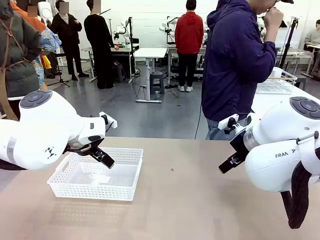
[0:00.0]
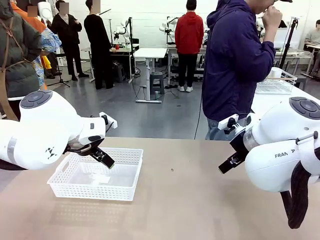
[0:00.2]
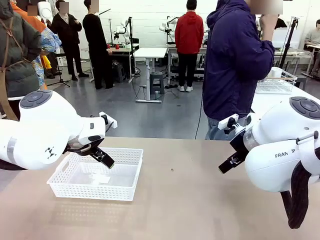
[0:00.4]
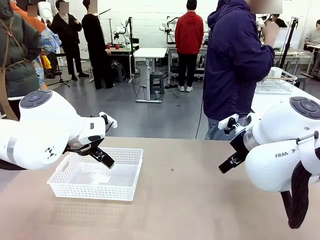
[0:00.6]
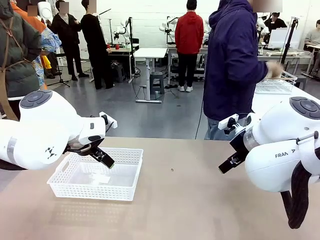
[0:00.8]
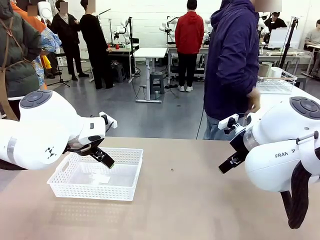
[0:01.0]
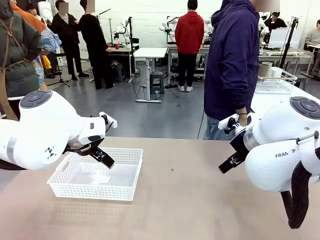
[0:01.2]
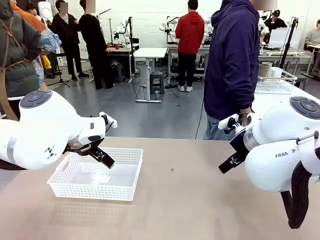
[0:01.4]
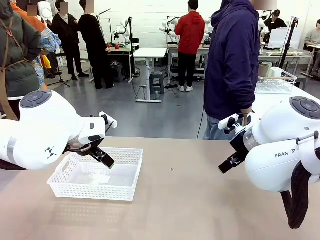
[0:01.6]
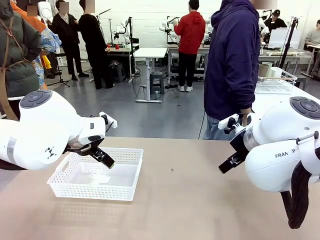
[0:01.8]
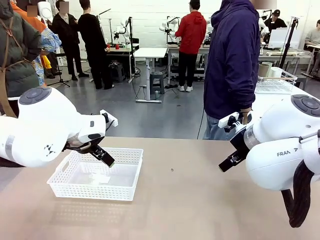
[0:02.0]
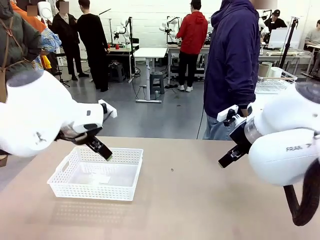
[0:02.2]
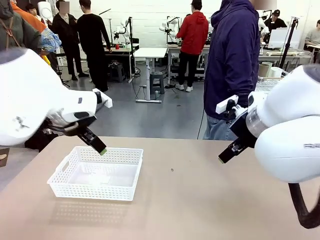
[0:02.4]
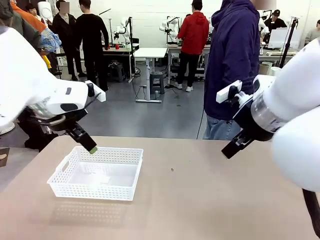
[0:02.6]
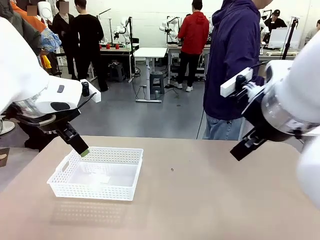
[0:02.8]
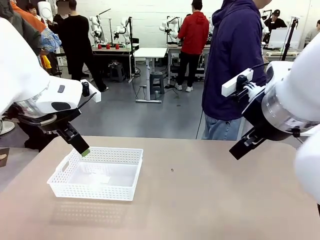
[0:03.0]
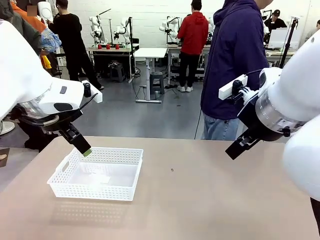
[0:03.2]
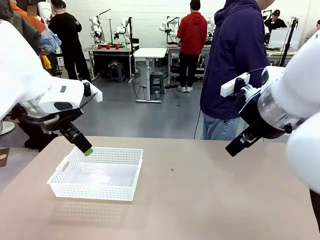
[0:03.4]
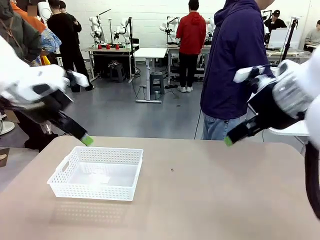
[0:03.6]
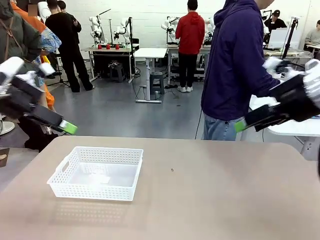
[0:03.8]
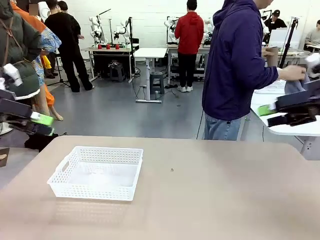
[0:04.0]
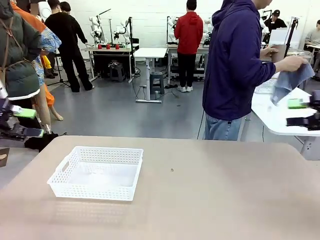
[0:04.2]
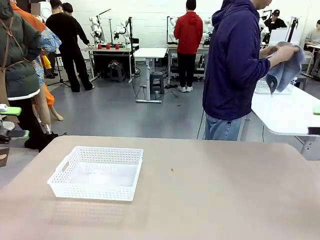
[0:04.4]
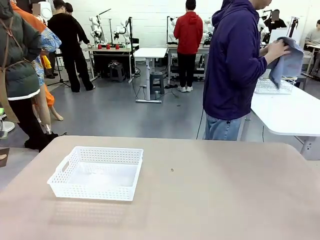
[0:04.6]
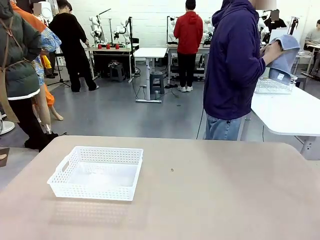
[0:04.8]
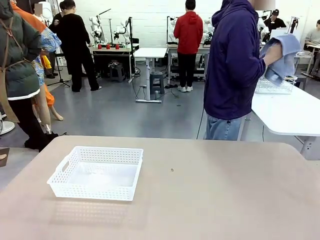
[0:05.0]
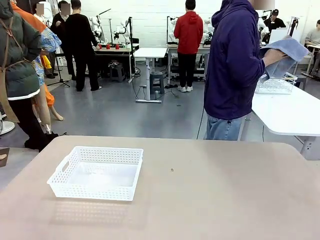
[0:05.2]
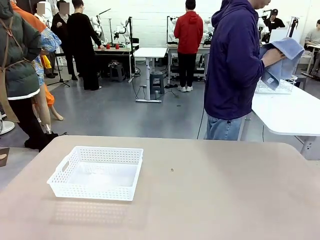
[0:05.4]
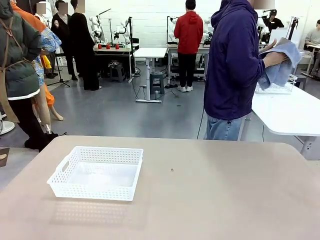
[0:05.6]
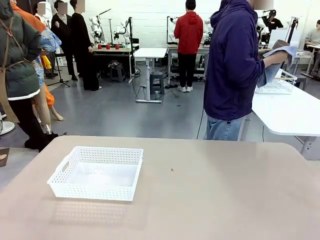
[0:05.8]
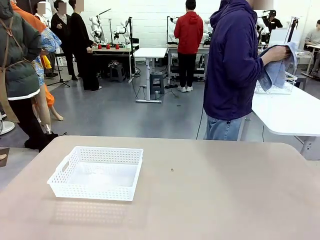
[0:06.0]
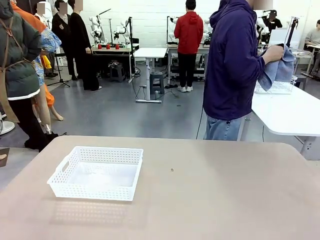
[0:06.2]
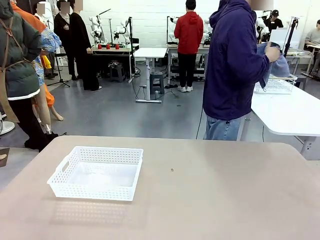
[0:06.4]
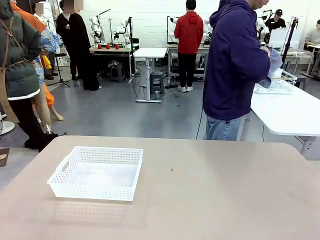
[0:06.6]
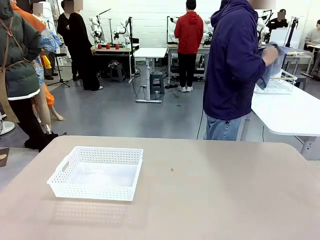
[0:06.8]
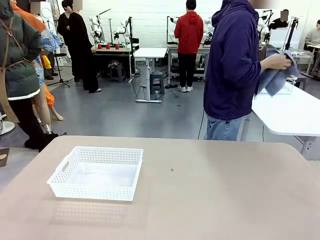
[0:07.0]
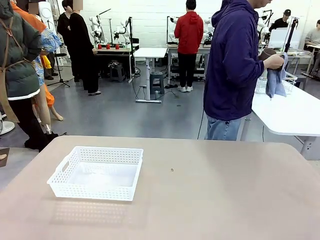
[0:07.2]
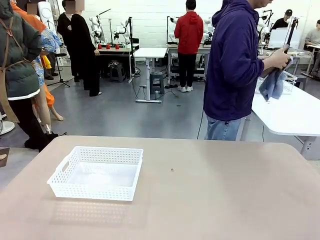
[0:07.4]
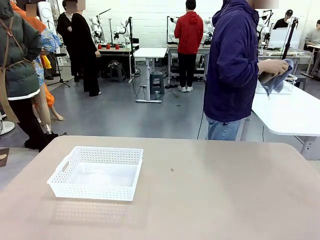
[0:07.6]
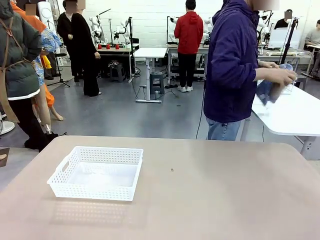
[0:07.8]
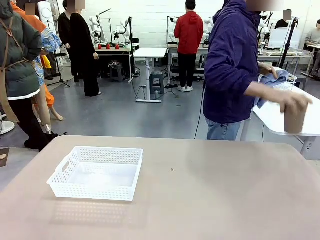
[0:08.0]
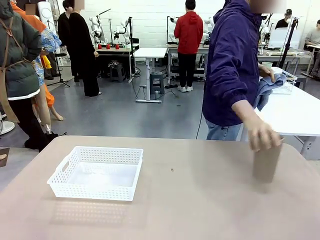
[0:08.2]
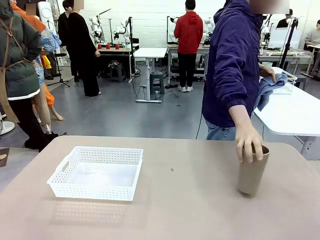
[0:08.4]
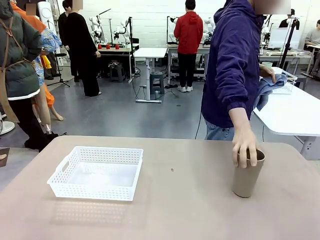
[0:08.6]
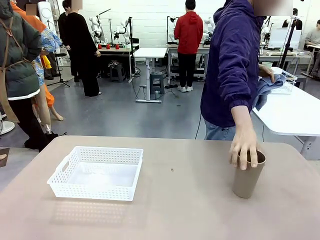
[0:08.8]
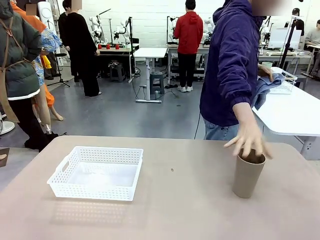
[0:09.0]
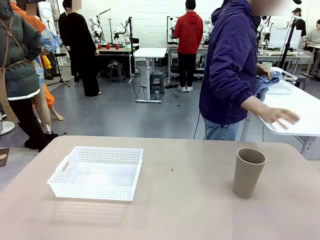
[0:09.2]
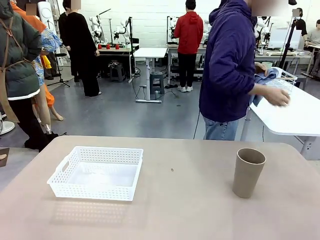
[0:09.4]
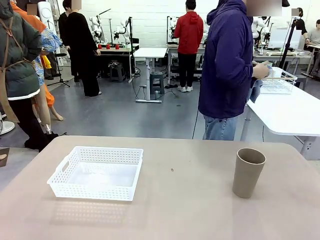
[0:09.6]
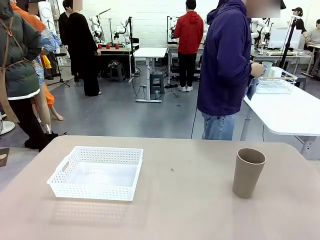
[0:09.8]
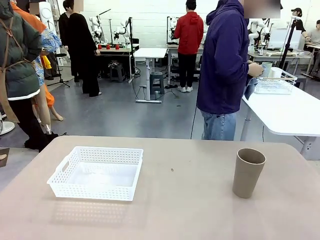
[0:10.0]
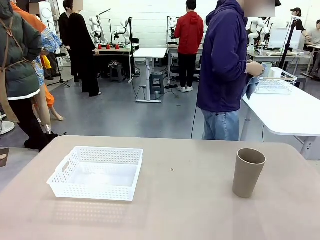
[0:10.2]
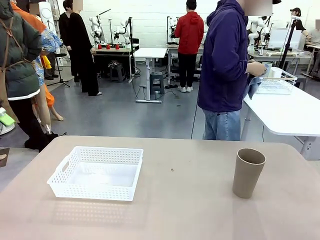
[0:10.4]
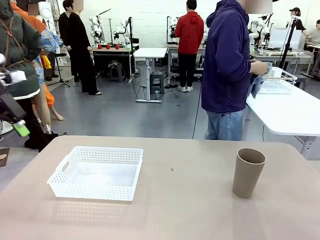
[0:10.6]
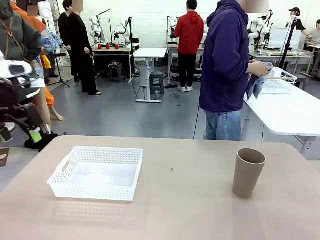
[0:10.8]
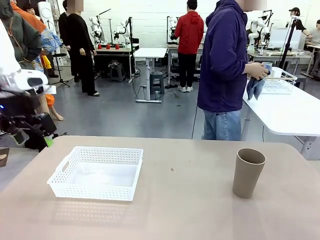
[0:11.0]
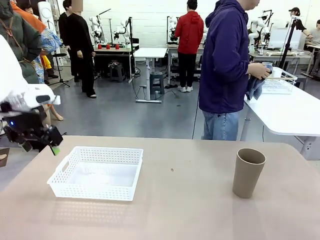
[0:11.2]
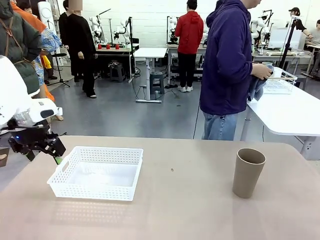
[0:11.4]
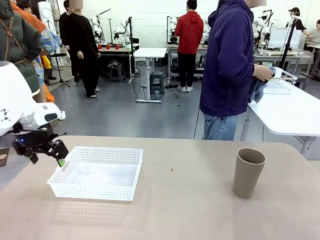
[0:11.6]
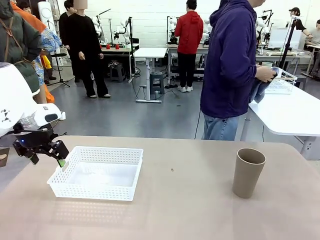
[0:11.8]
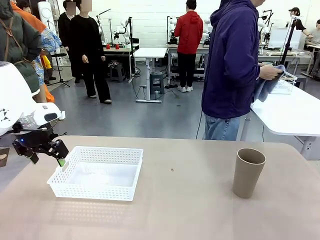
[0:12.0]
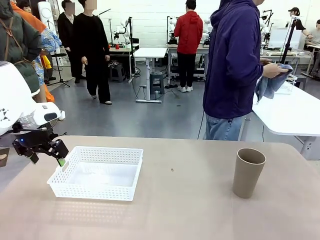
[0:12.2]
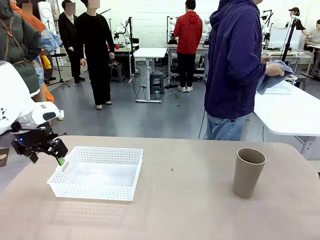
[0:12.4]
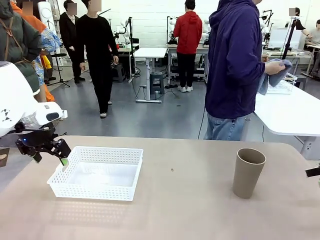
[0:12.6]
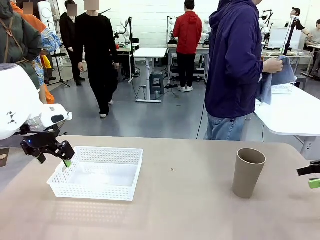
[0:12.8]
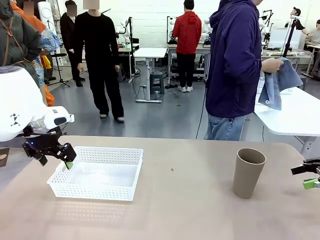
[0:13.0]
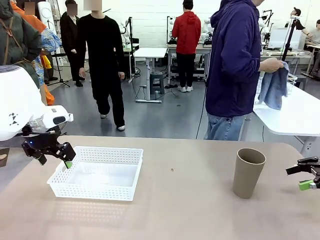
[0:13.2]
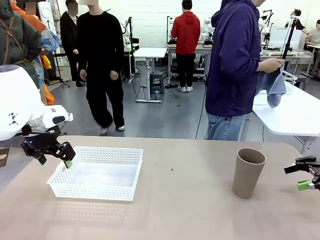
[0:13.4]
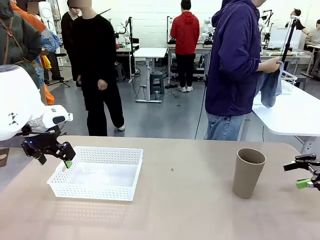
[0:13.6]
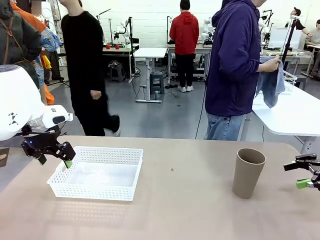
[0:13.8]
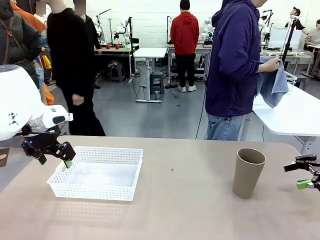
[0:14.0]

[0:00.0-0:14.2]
Task: Clean and organize the cups into the basket.
Robot: Pick up the Organizing basket and move it to the center of the table, then pick up the Reusable plastic cup from the right side of the table and place it inside the Organizing basket.
Person: Picks up a cup and a towel, cleans the cup with the towel, and places it on the left side of the robot table.
